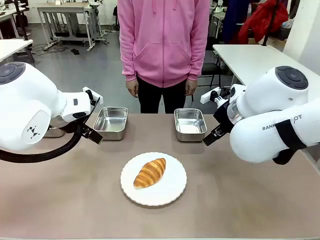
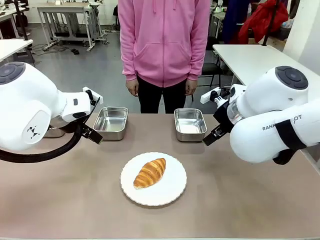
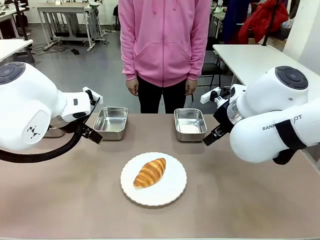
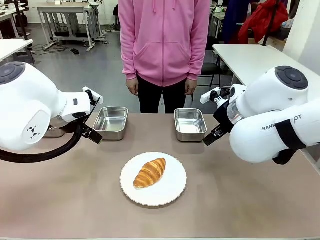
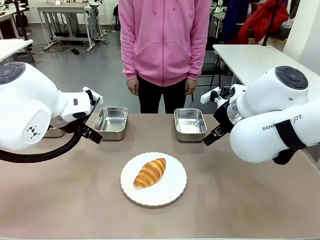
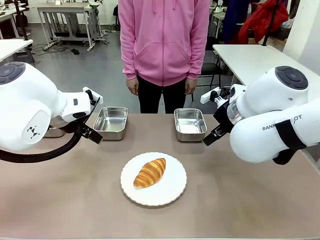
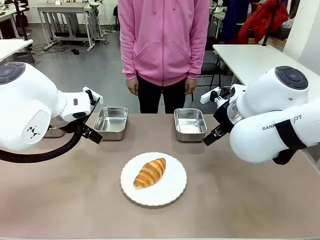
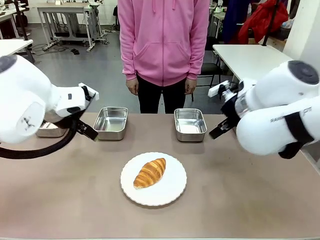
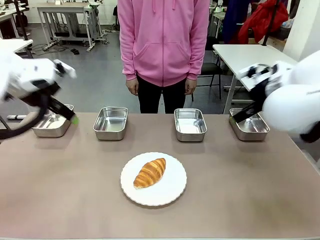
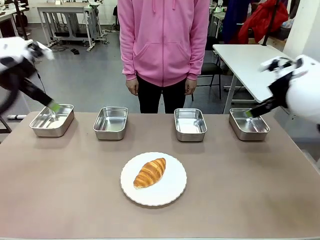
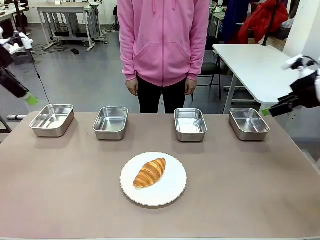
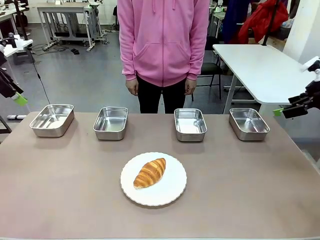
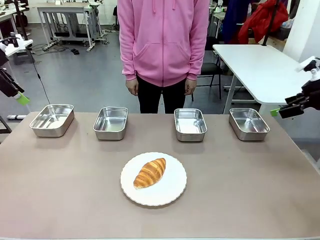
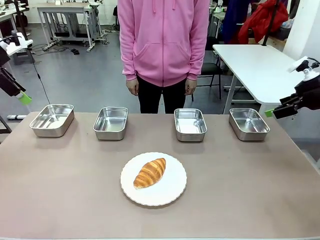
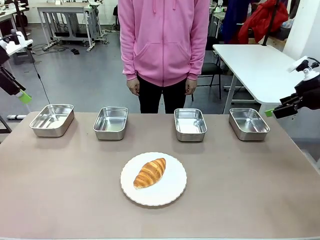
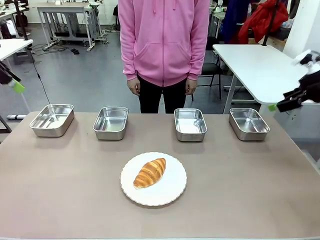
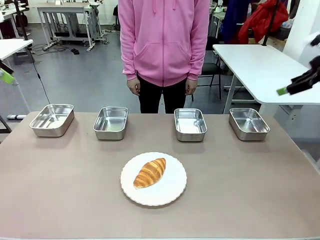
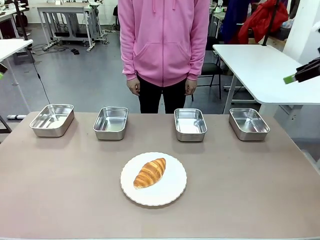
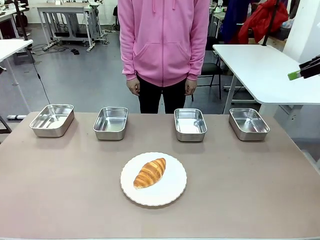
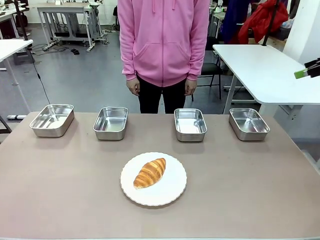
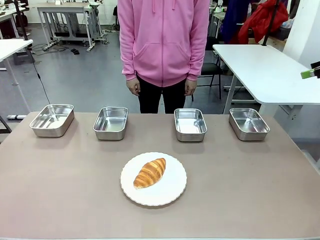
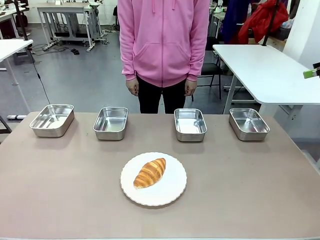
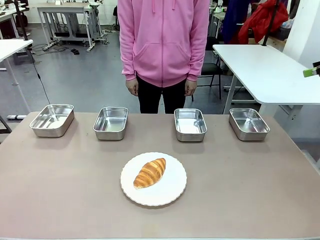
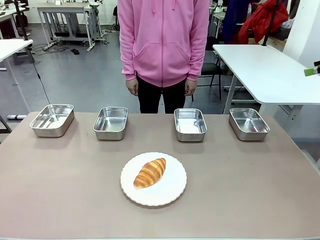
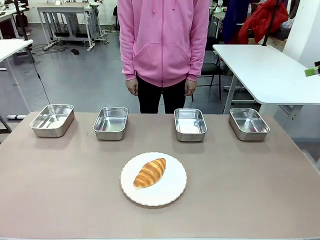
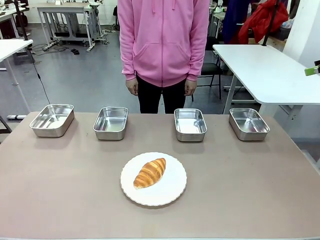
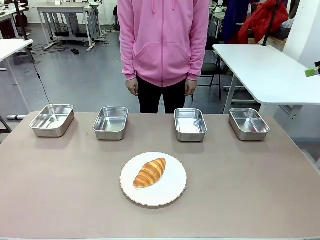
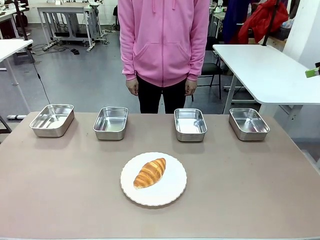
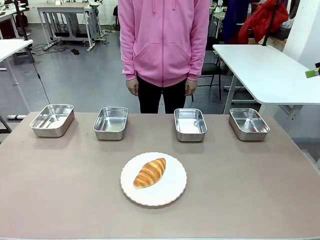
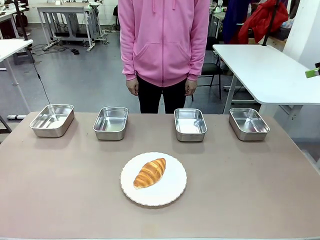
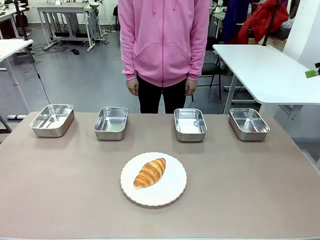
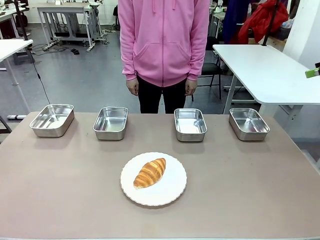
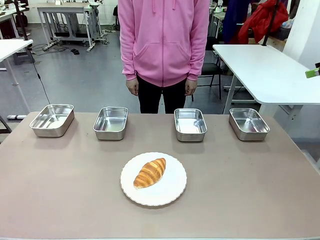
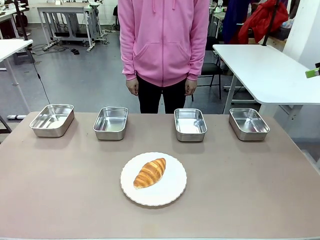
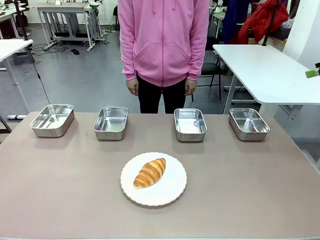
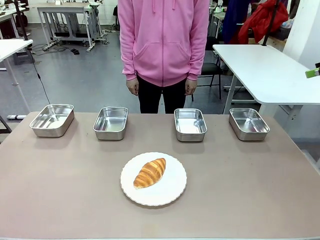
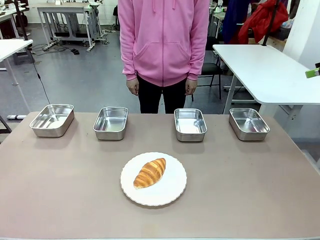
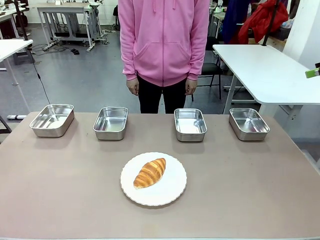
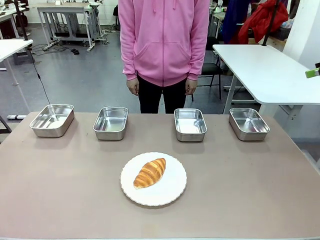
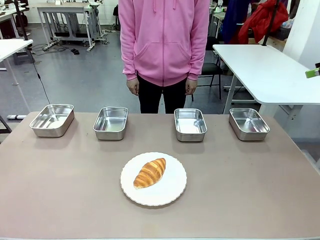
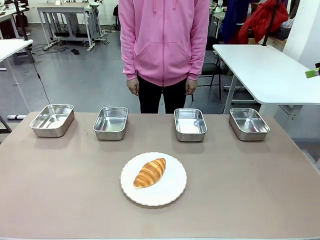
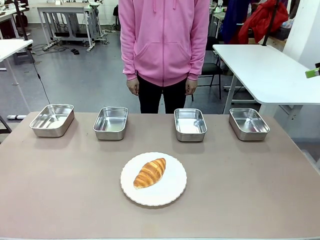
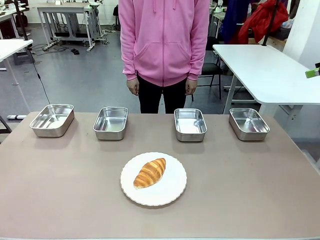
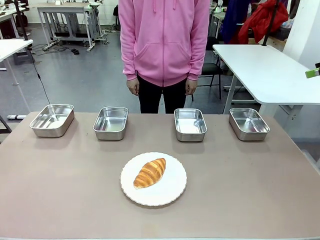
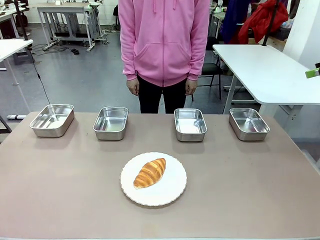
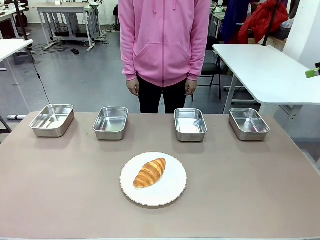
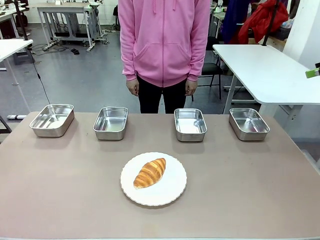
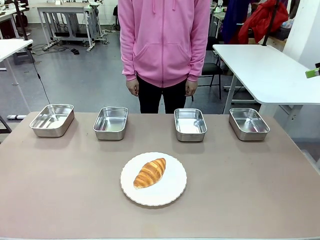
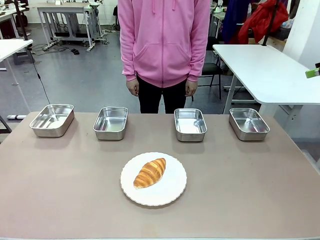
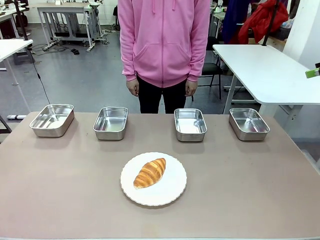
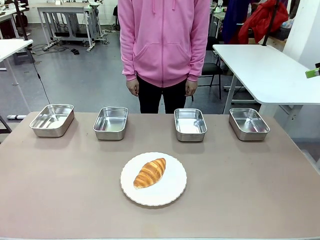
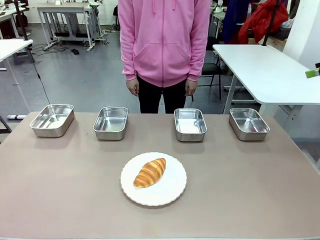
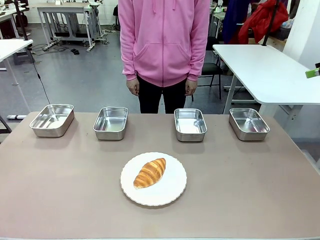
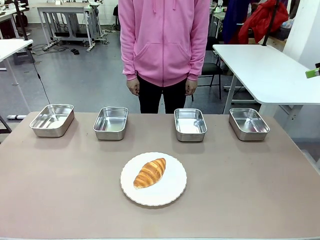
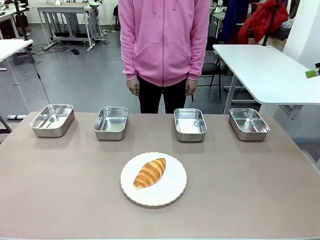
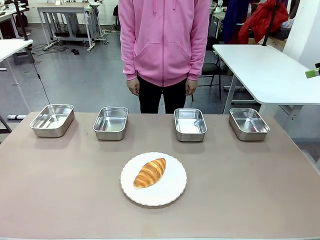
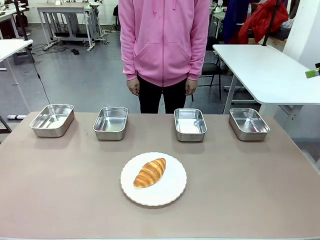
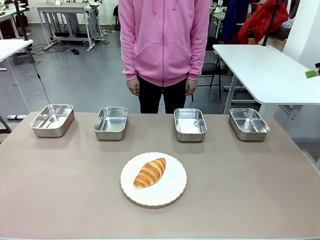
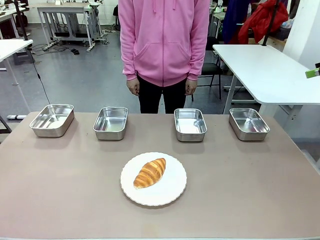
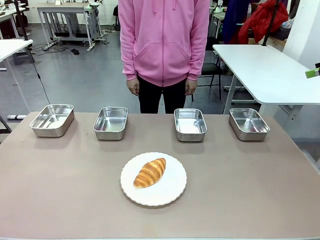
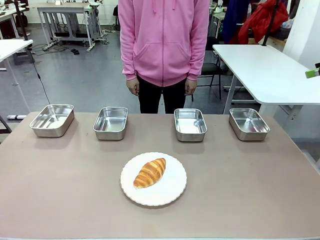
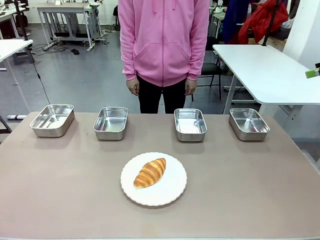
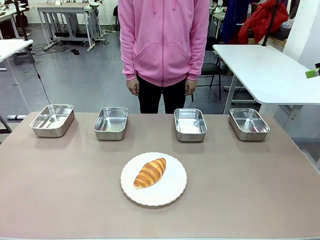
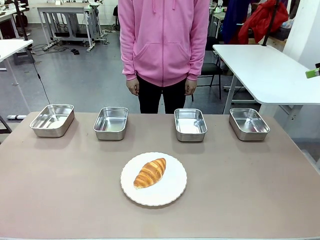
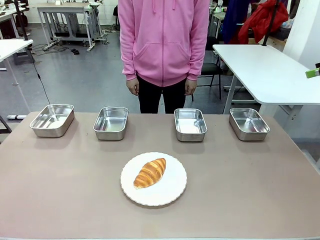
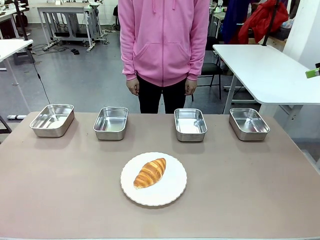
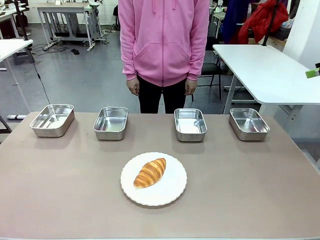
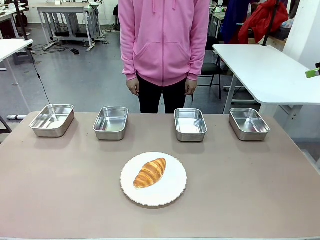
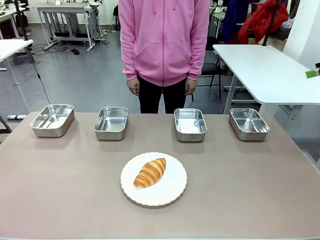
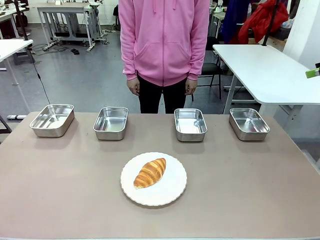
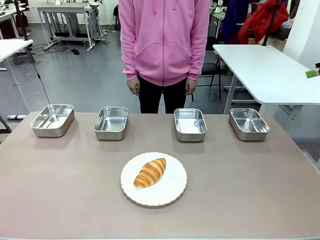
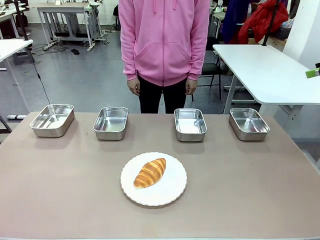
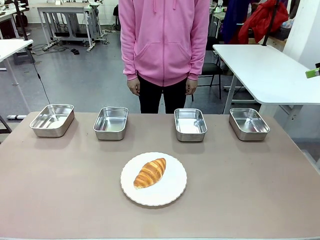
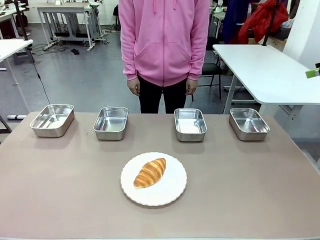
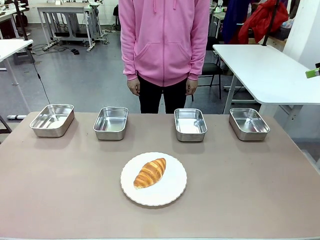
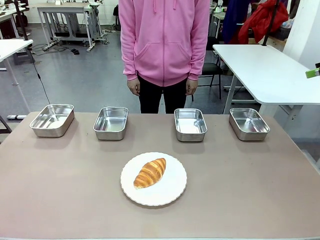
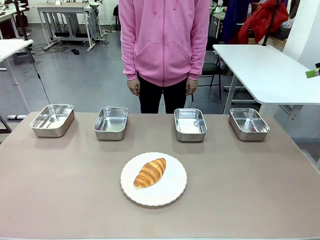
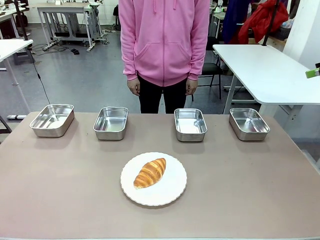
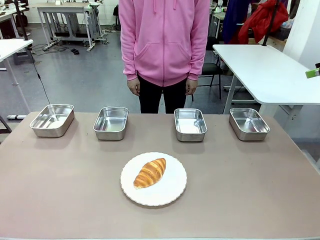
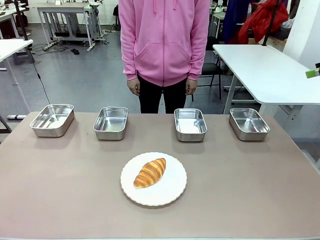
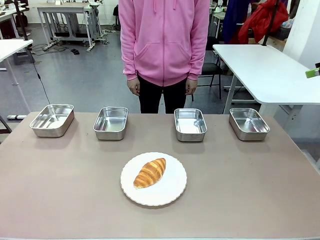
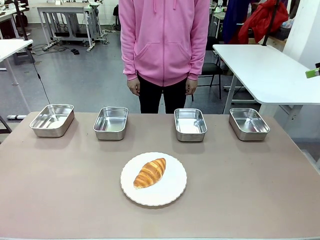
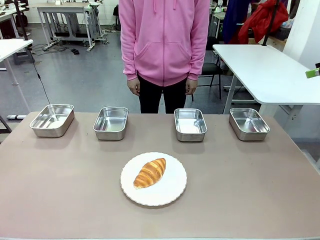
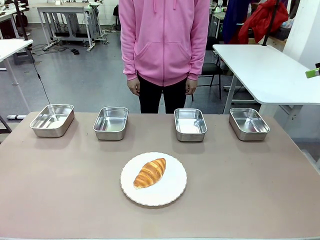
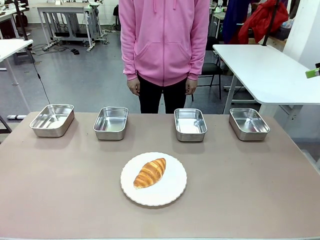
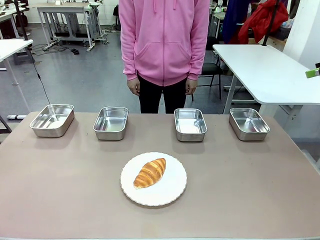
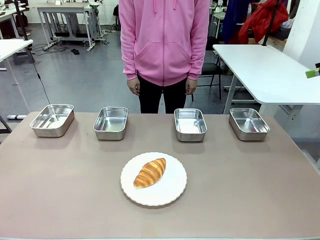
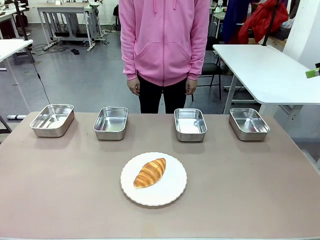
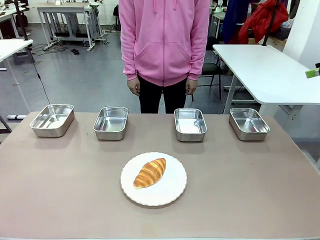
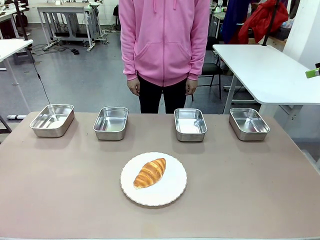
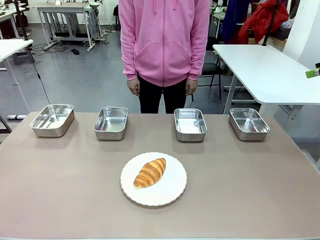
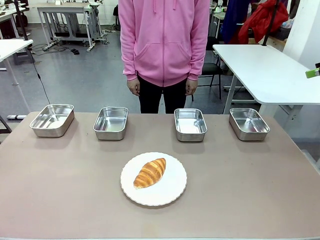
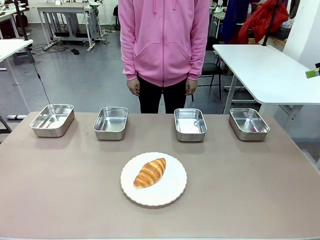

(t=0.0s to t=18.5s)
Task: Place the bread in the container.
Robot: Place the Butter Roll into the Airtight Container indicated by the human.
